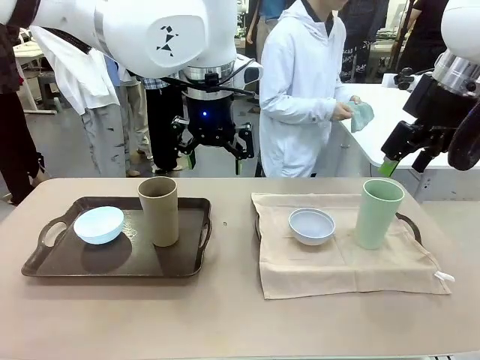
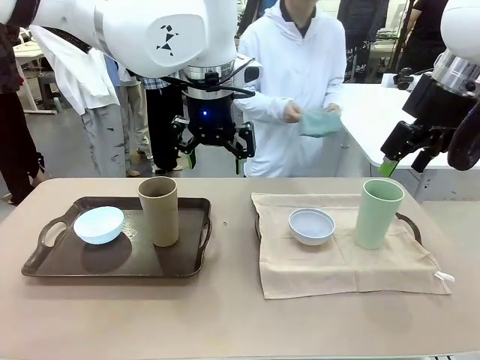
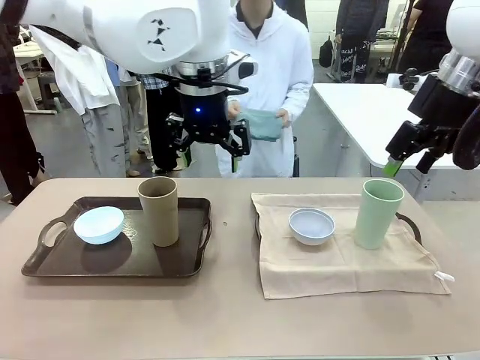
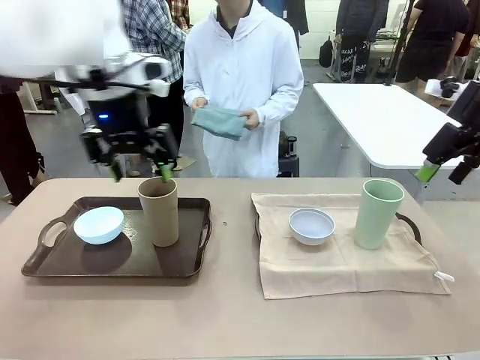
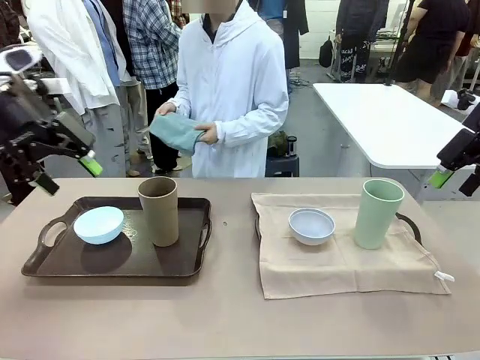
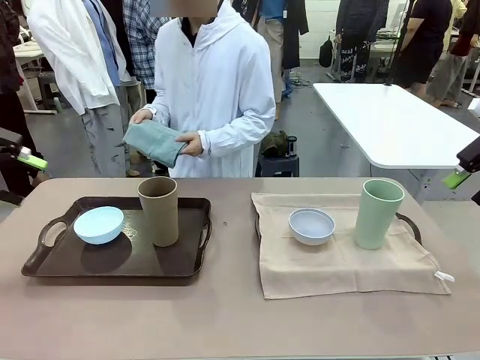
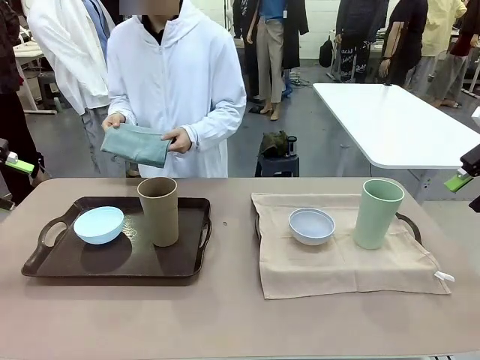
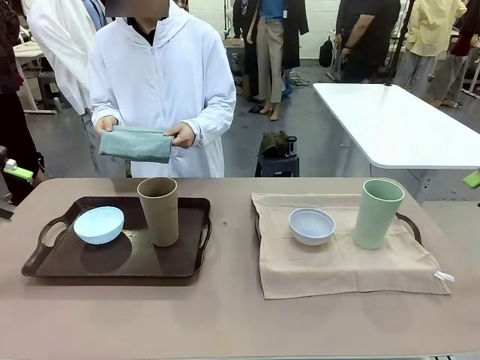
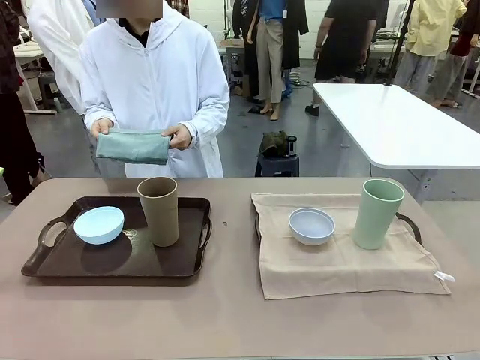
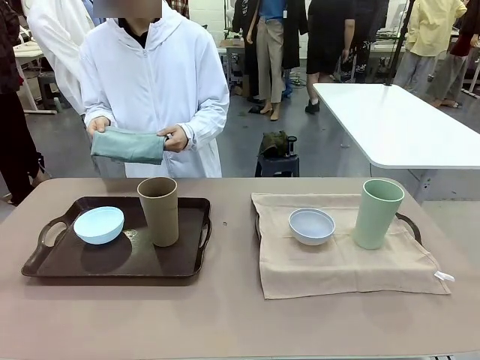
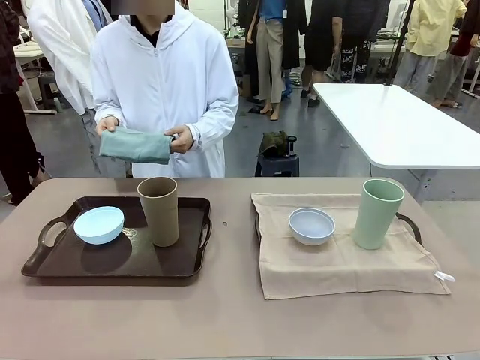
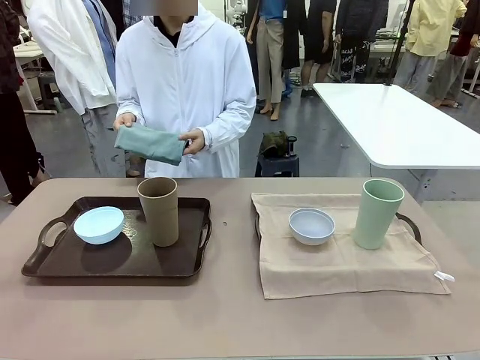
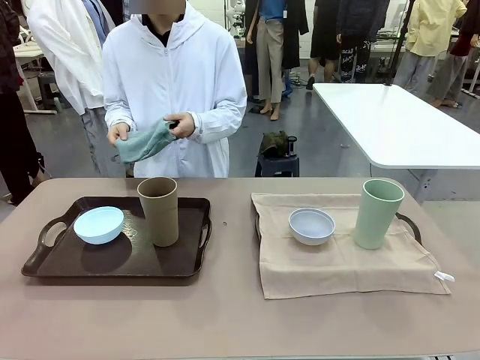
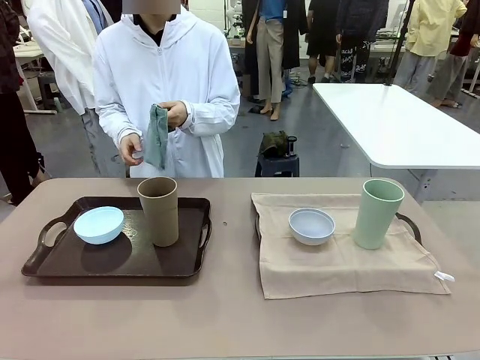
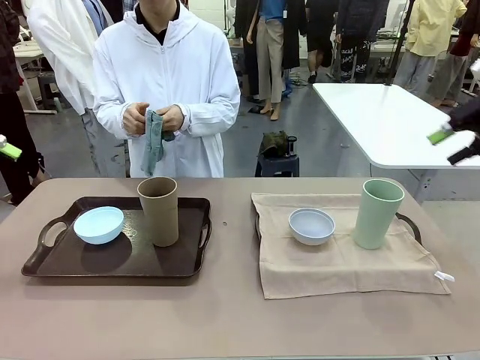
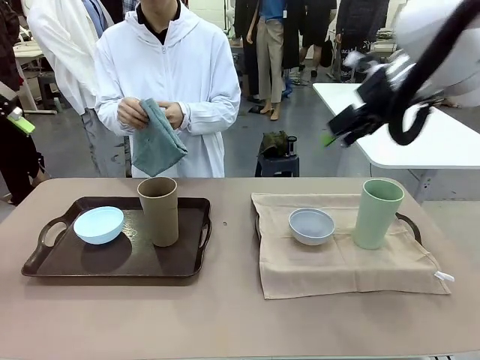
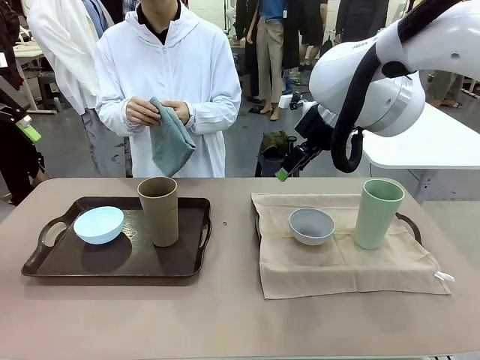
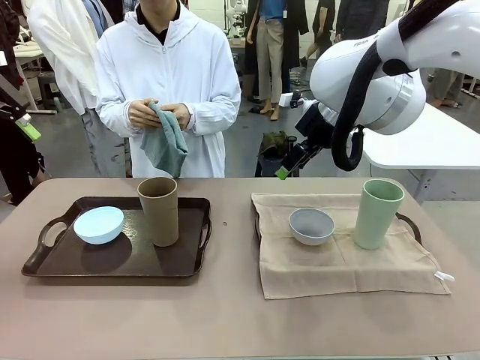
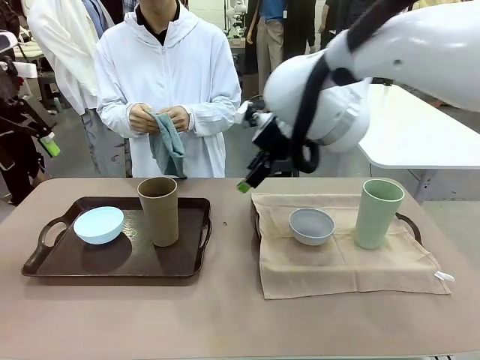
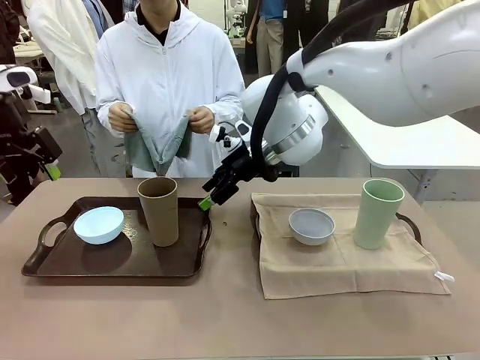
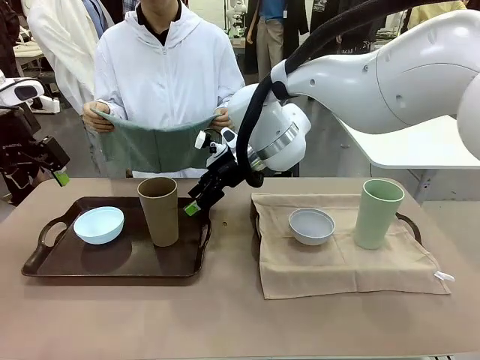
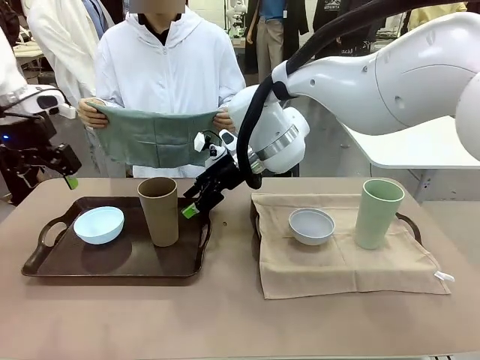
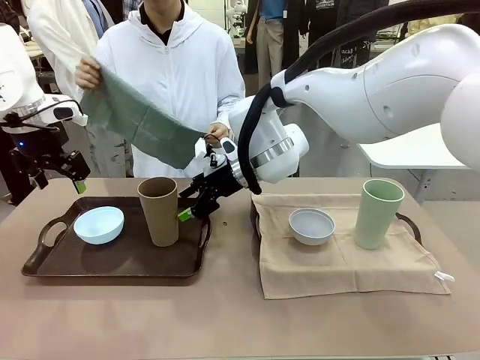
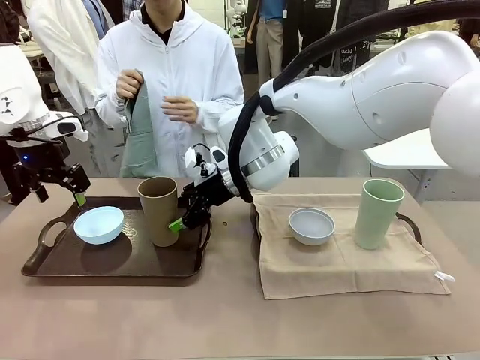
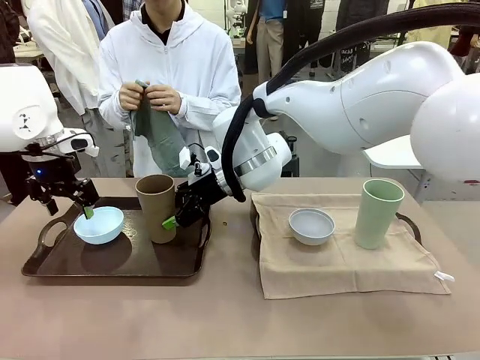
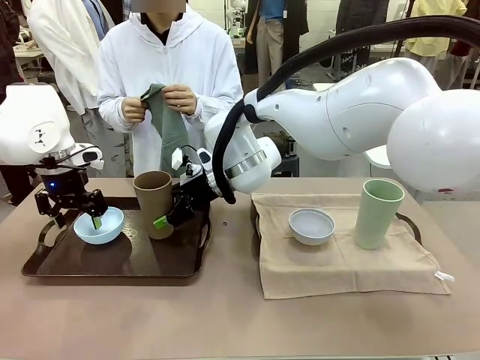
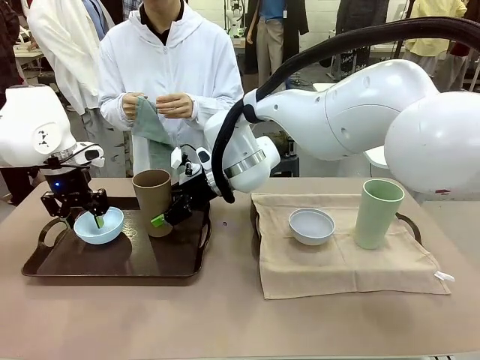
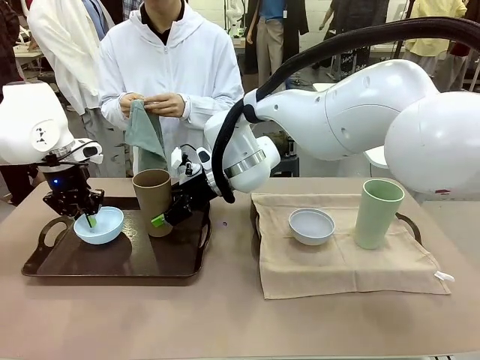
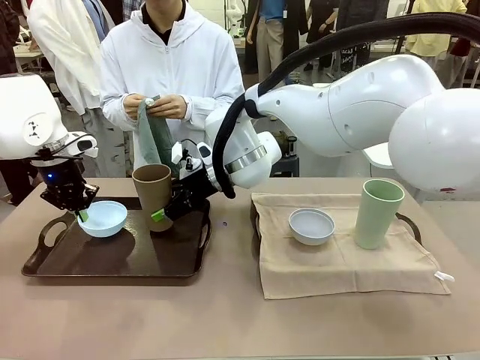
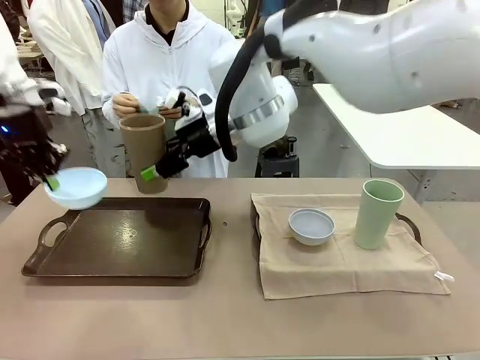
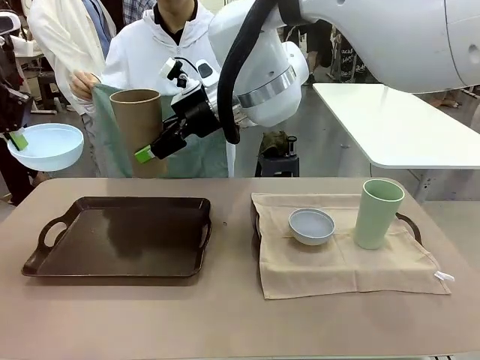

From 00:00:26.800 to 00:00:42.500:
Robot: Pick up the Picnic Bowl and Reusable plastic cup from the Handle tray in front of the human's position and hold them in the air.

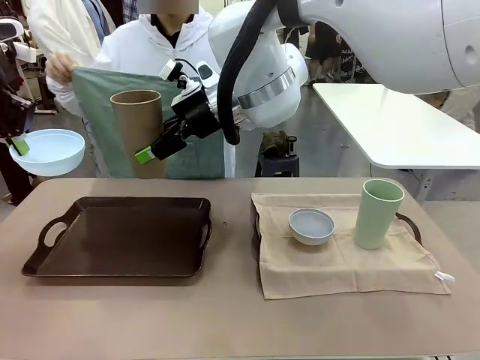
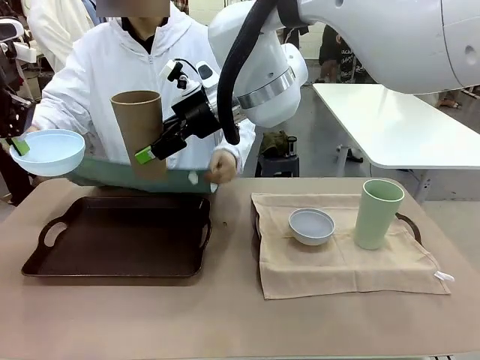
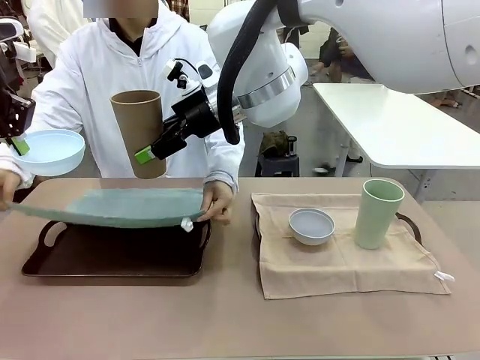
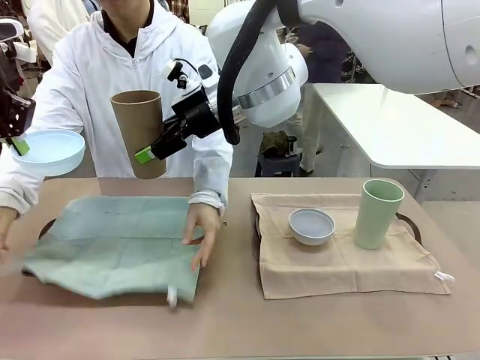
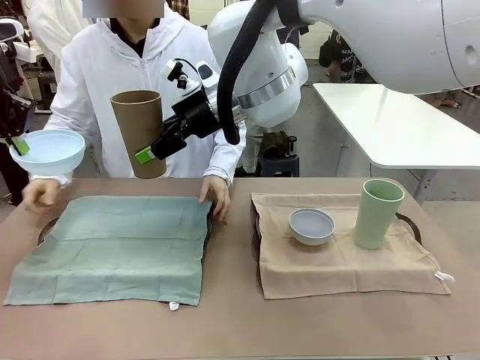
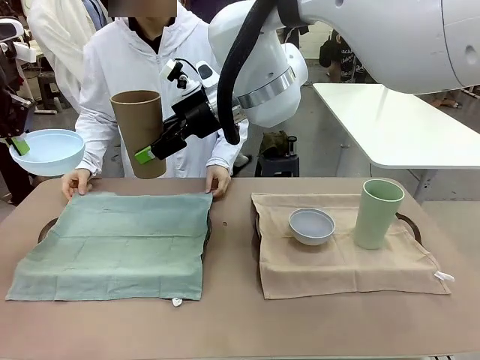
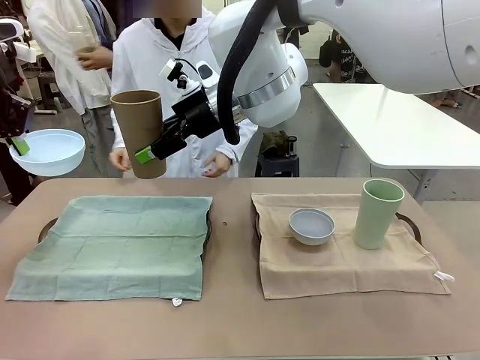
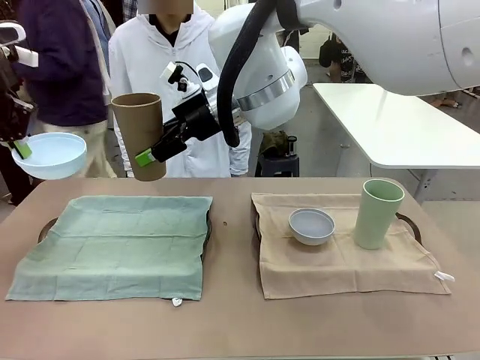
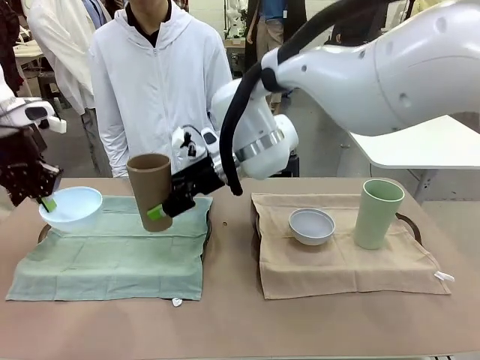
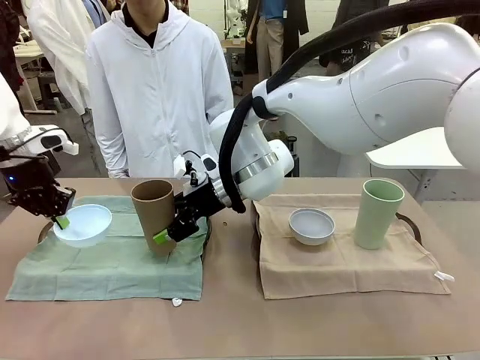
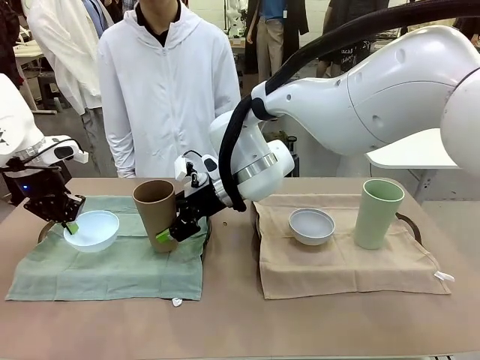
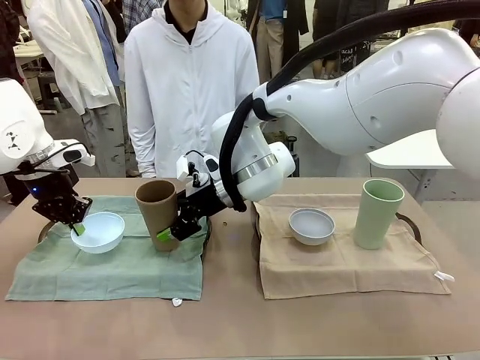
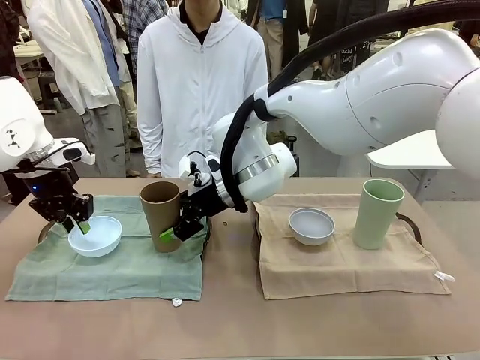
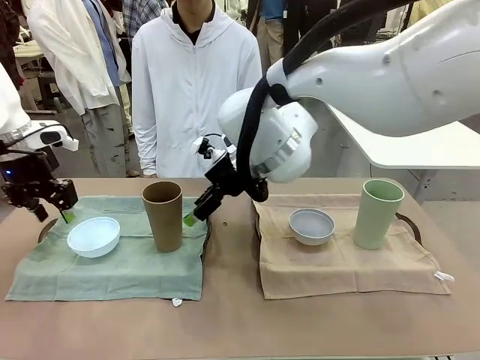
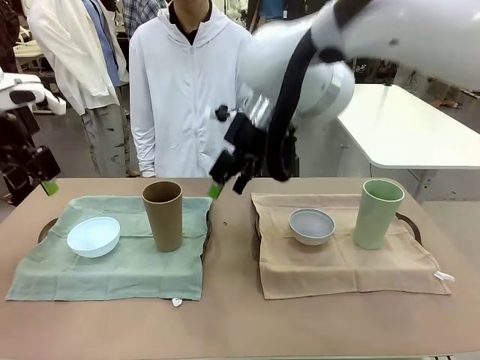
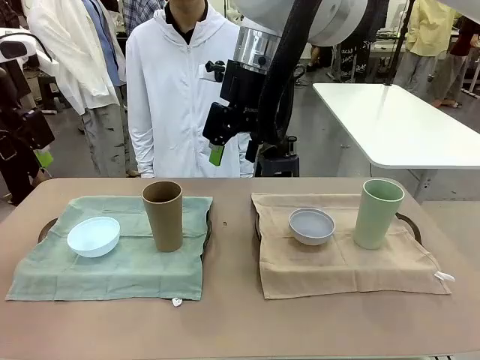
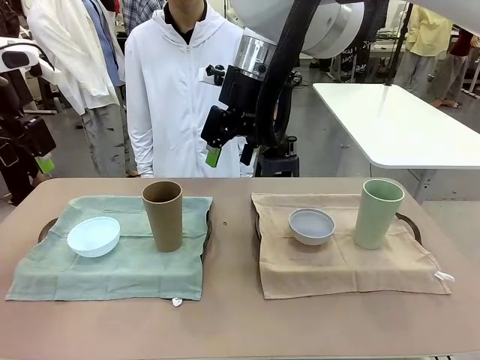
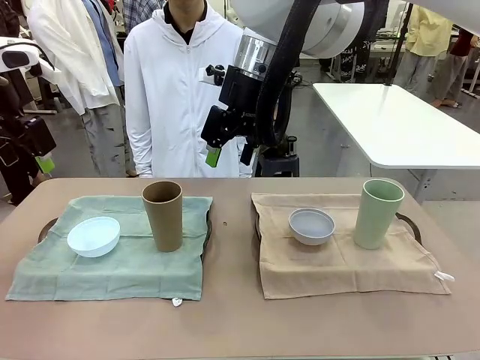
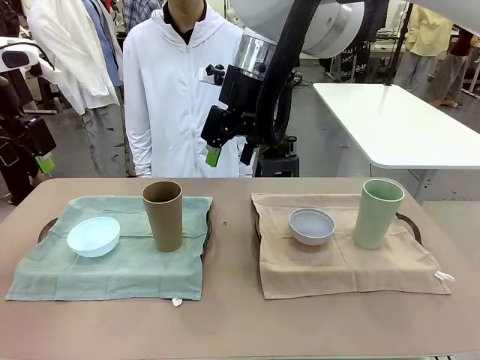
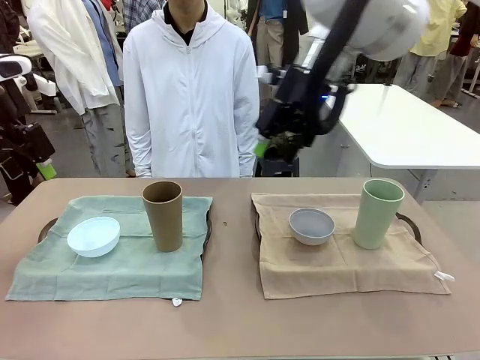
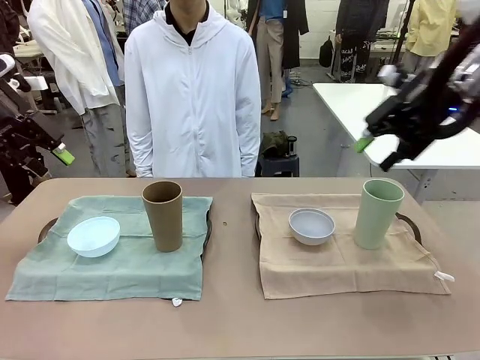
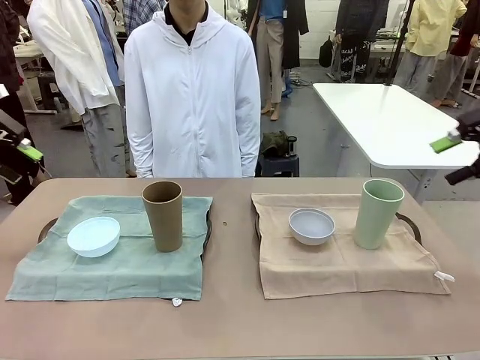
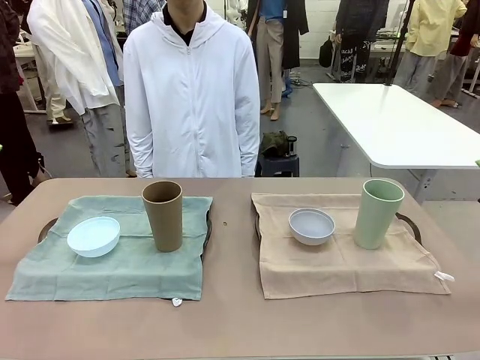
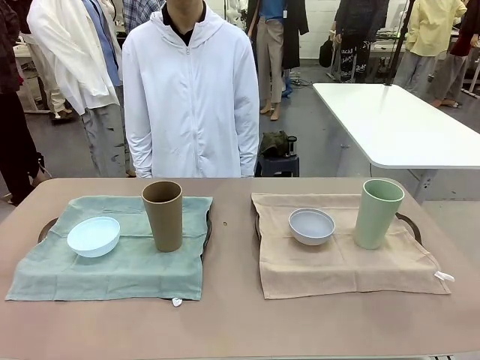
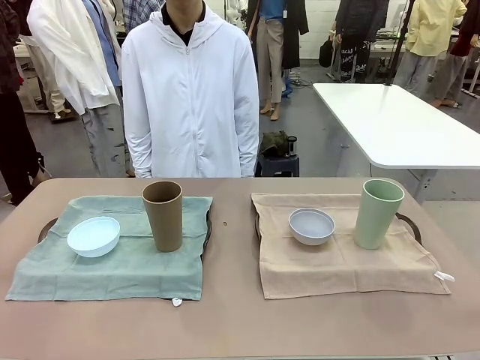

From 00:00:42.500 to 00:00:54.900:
Robot: Place the Picnic Bowl and Reusable plastic cup back onto the Handle tray in front of the human's position.
Person: When the robot lifts the bowl and the cup, the human unfolds the napkin and lays the napkin flat on the tray.
